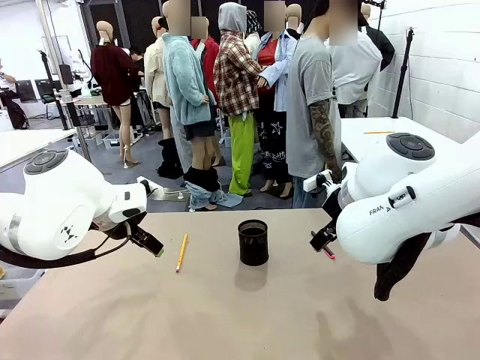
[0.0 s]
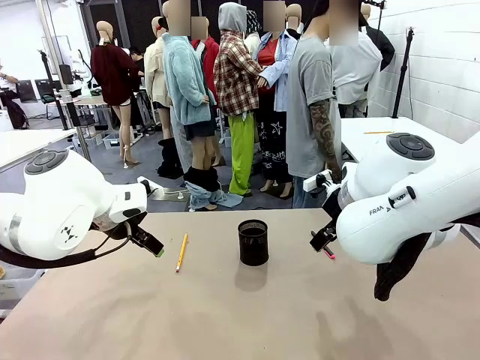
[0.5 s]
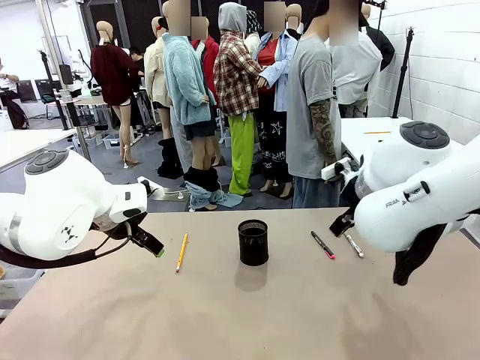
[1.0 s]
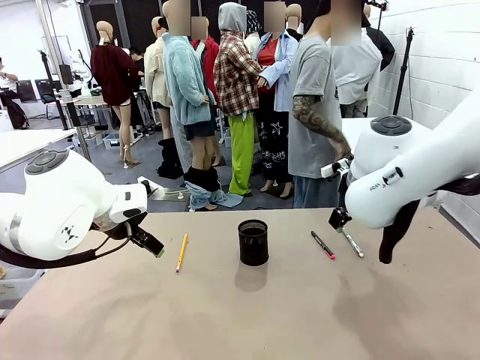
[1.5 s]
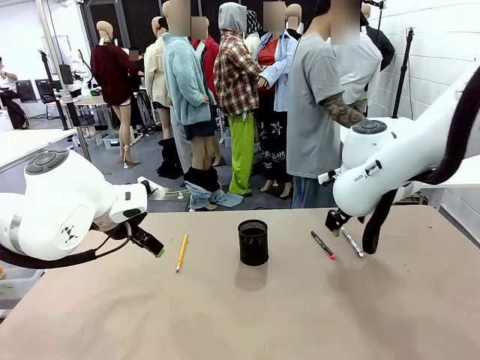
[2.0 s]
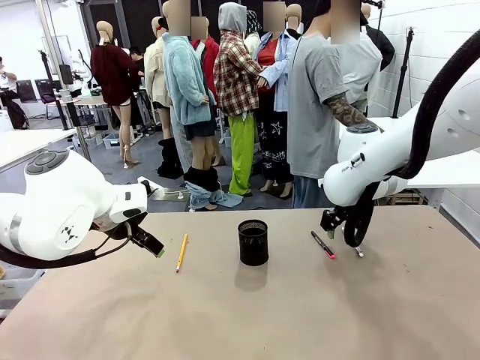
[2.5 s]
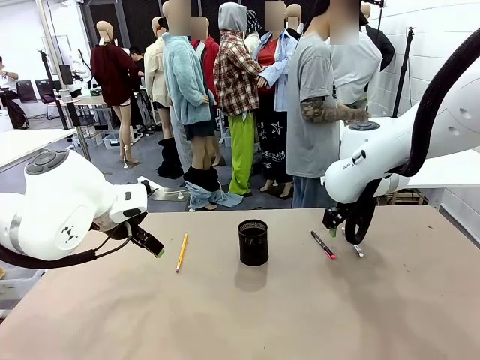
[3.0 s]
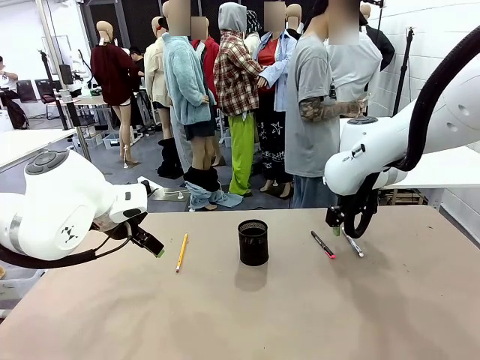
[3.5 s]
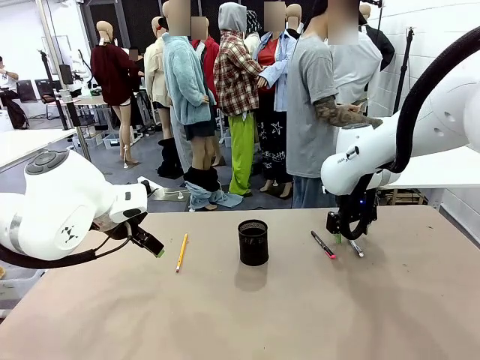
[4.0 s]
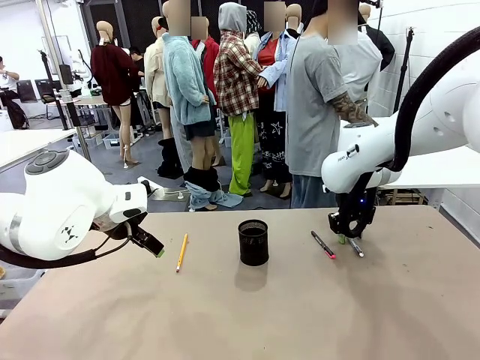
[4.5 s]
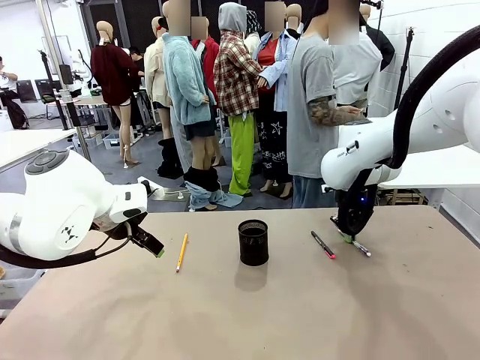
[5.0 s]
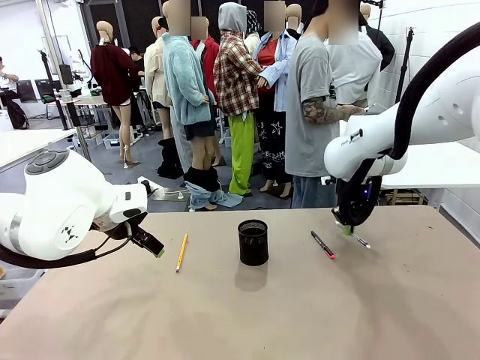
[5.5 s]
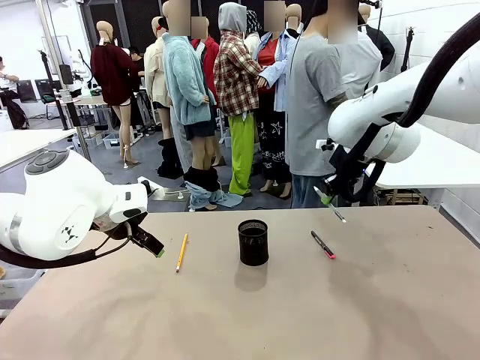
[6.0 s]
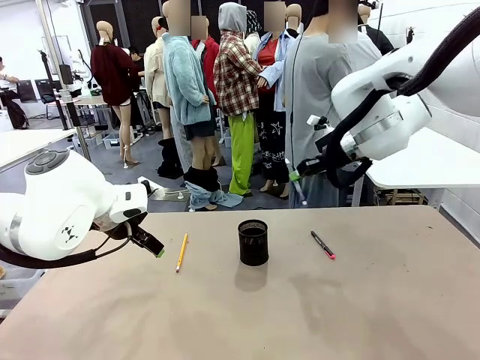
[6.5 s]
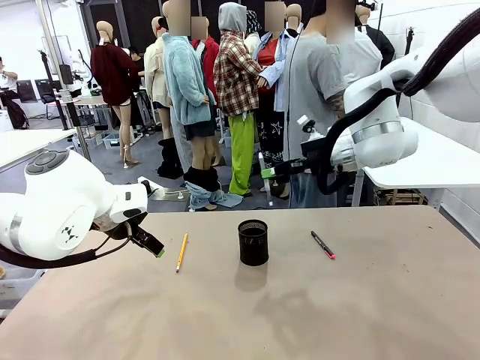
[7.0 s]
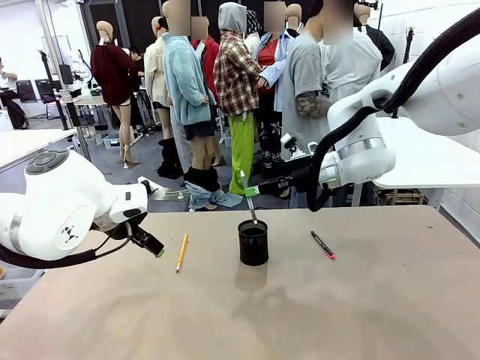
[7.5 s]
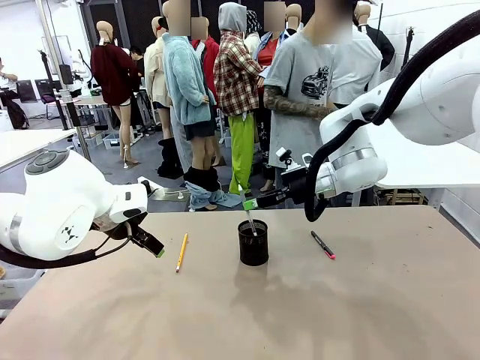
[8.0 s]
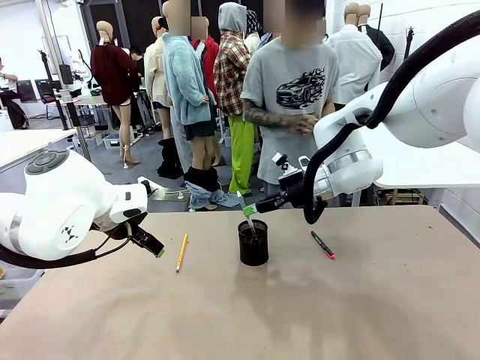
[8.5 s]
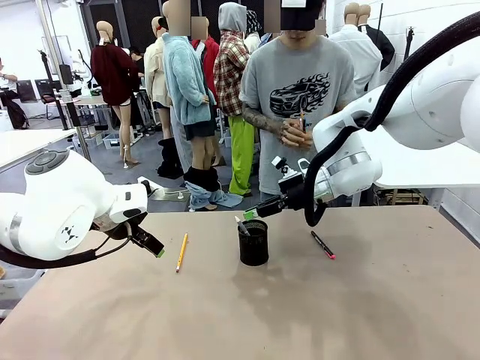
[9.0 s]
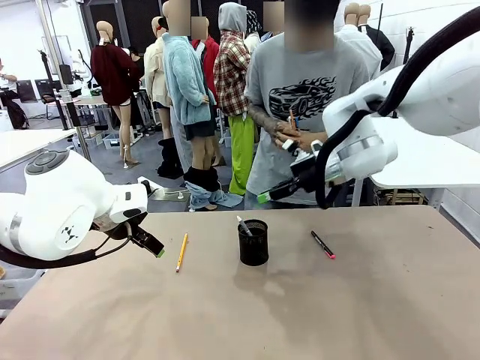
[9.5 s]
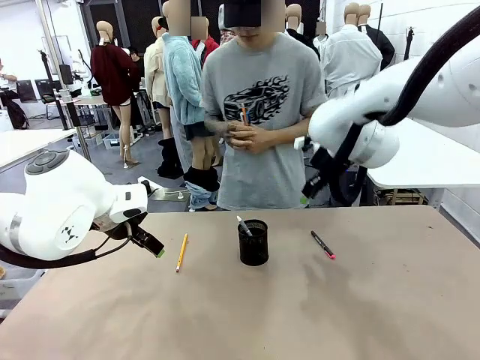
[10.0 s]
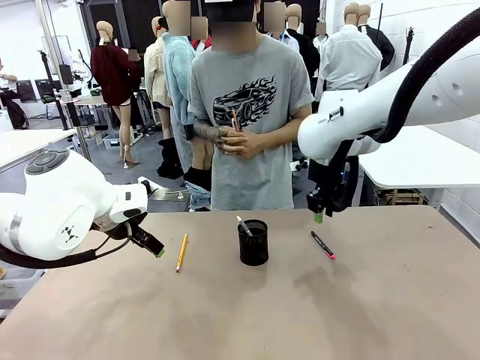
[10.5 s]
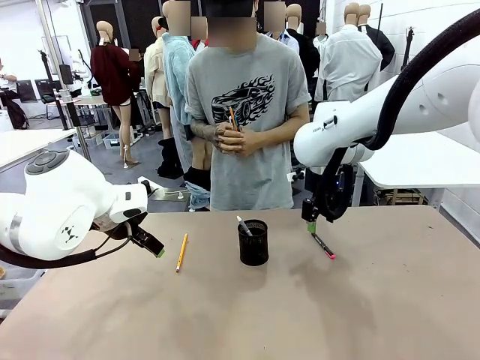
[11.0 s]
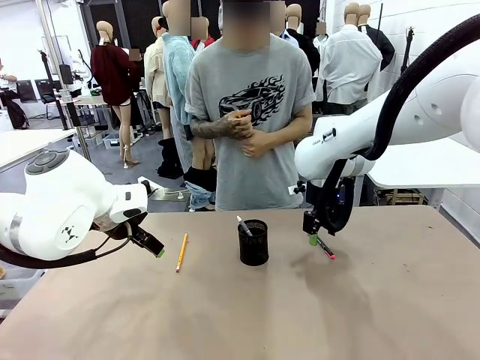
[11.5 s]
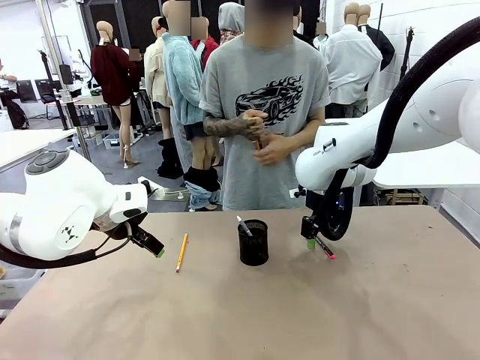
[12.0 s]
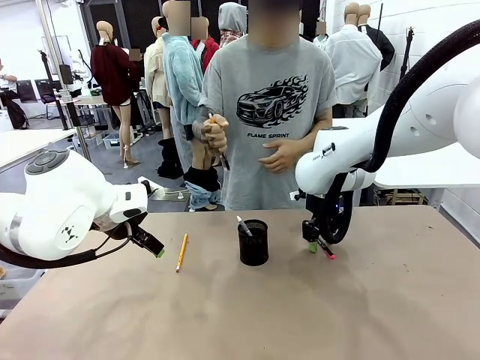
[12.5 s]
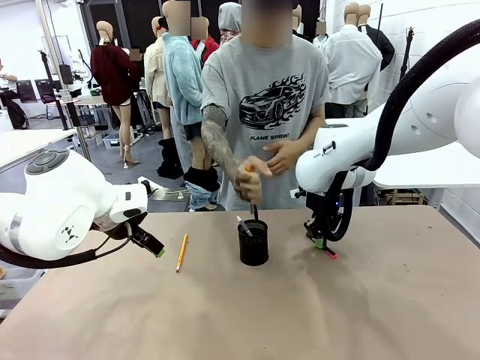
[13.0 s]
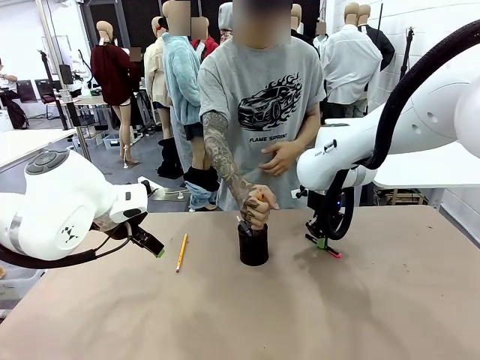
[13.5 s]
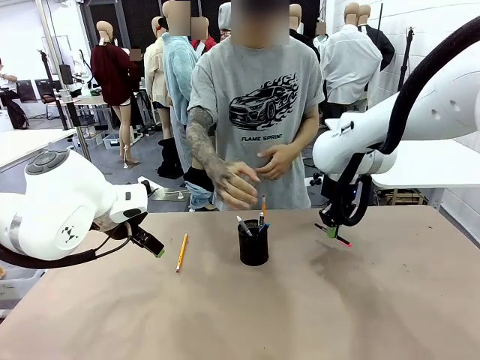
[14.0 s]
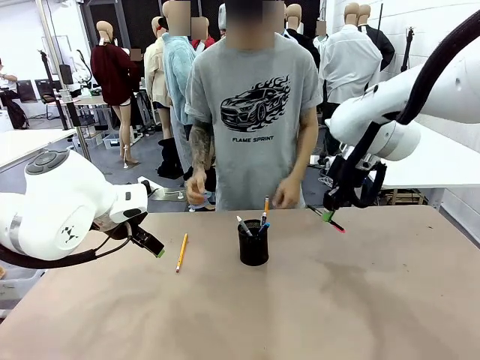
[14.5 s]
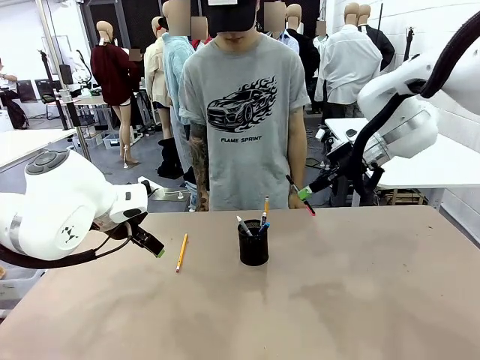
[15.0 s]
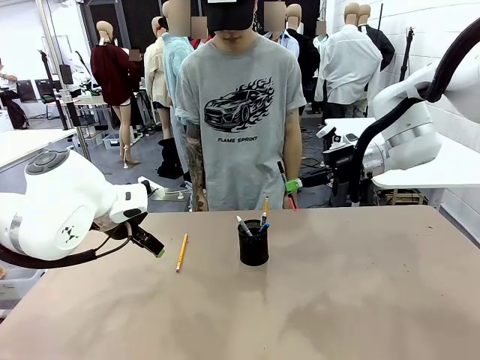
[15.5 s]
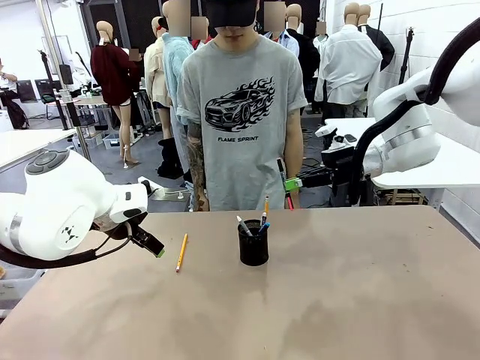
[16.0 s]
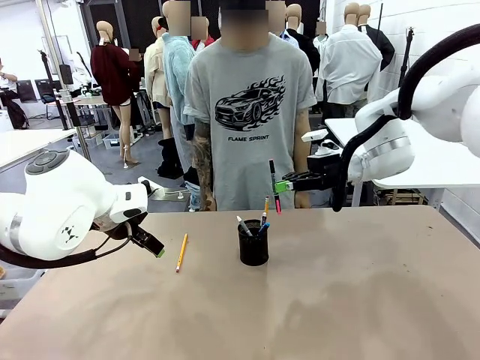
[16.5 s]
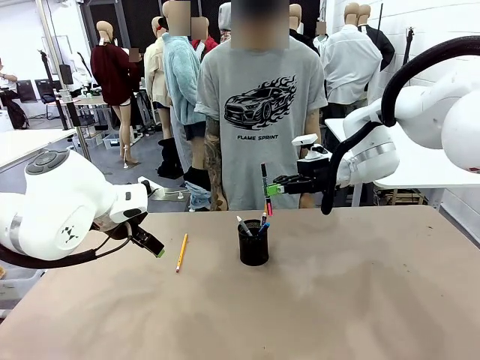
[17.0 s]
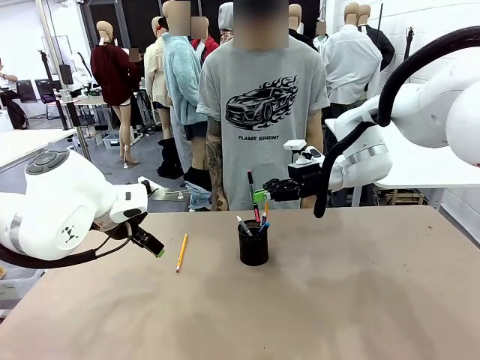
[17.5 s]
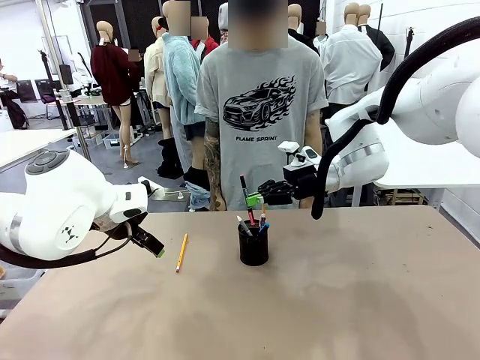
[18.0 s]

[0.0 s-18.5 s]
Task: Place the pens into the pen holder.
Robot: Pick up a writing instrument from the table and place it into the Pen holder.
Person: Pick up all writing instruments from the Human table.

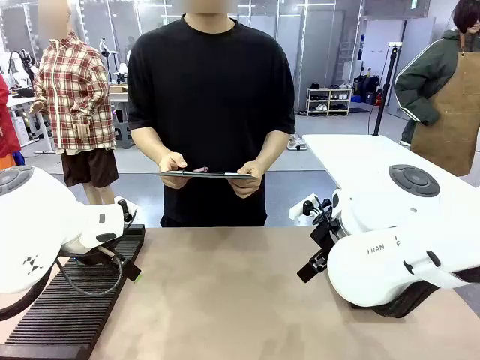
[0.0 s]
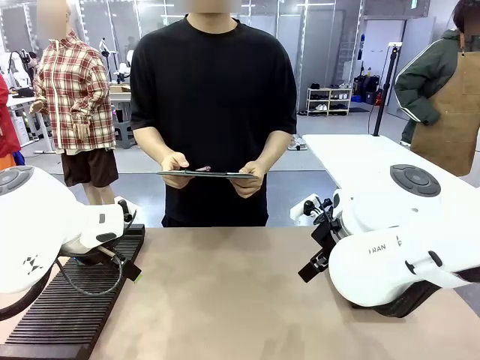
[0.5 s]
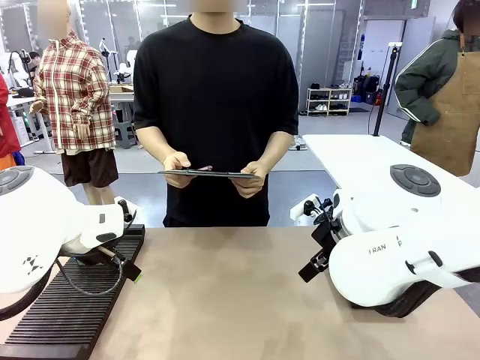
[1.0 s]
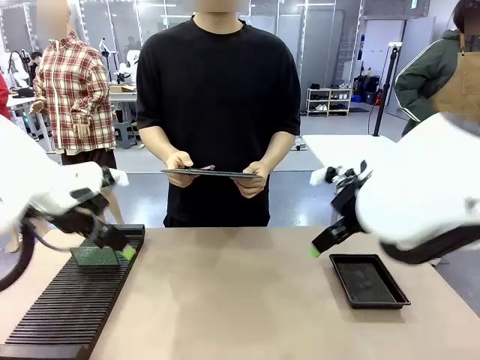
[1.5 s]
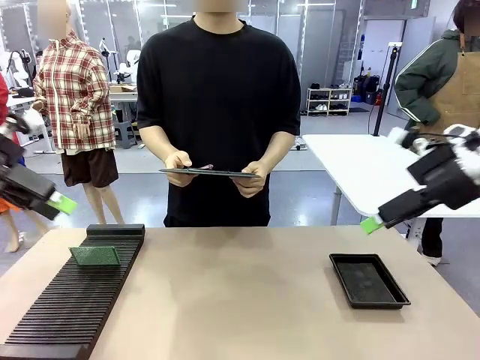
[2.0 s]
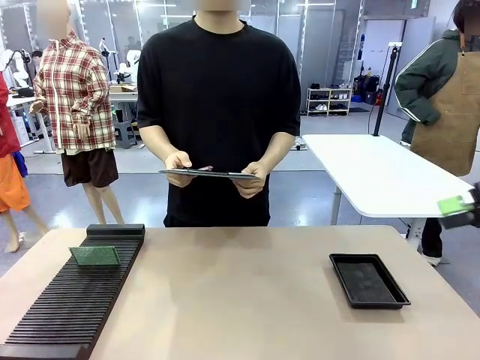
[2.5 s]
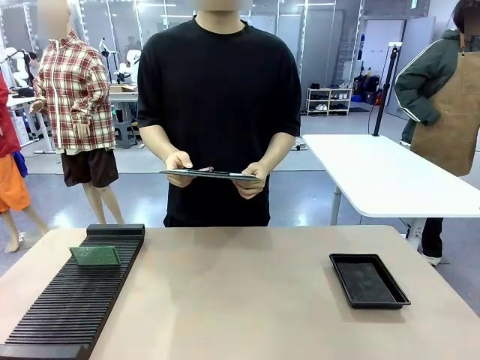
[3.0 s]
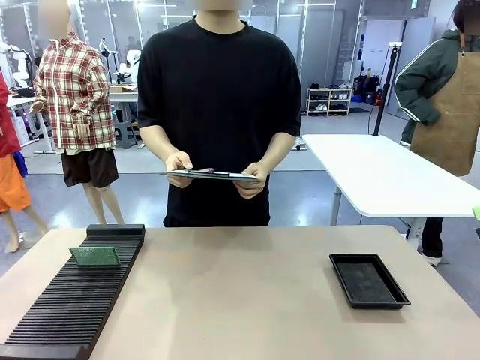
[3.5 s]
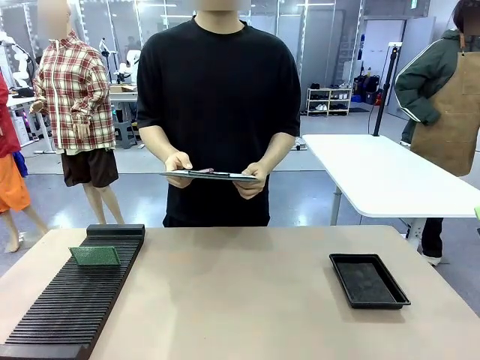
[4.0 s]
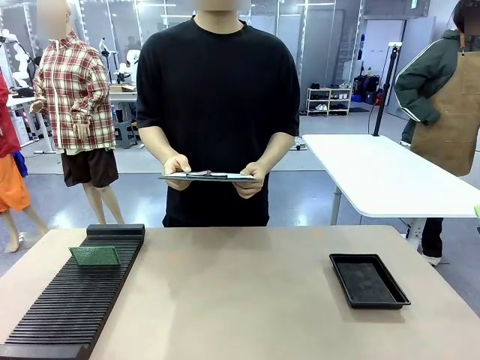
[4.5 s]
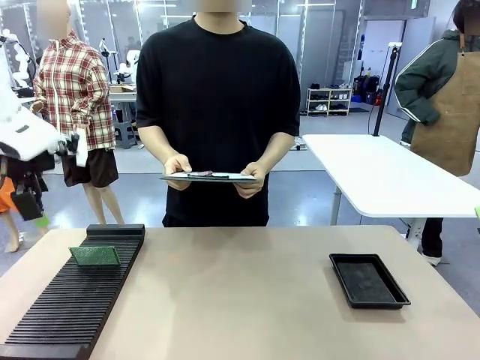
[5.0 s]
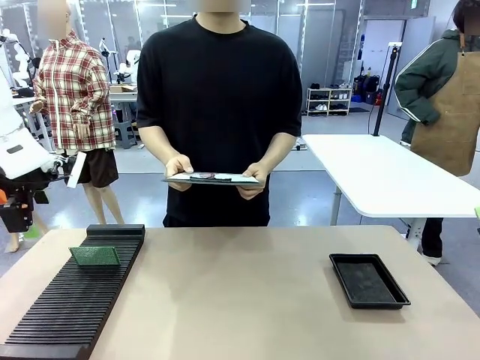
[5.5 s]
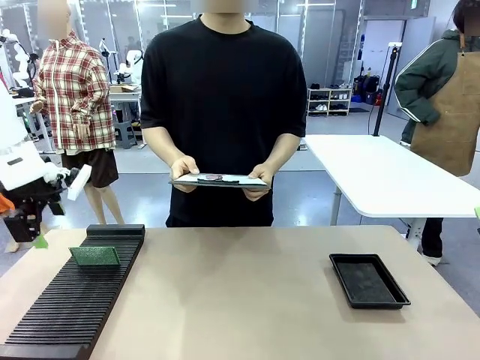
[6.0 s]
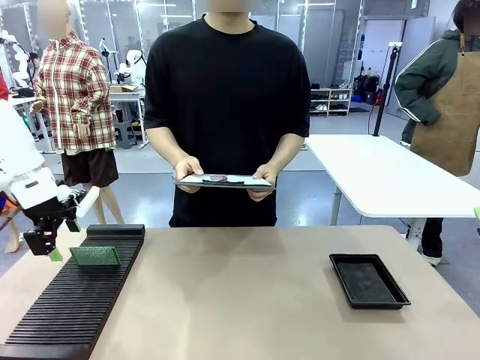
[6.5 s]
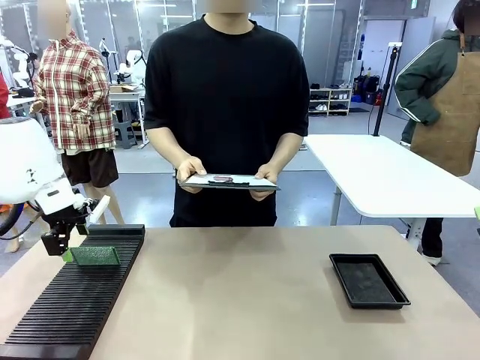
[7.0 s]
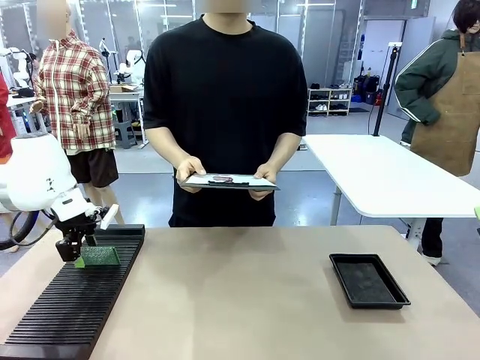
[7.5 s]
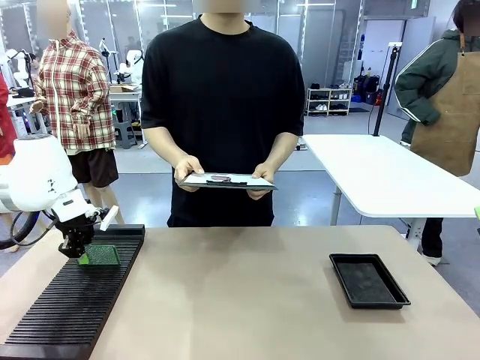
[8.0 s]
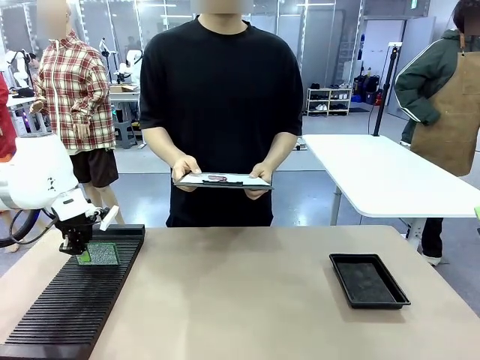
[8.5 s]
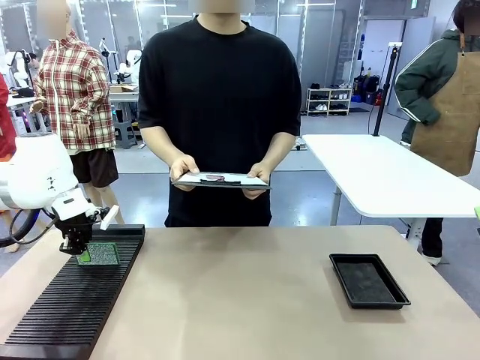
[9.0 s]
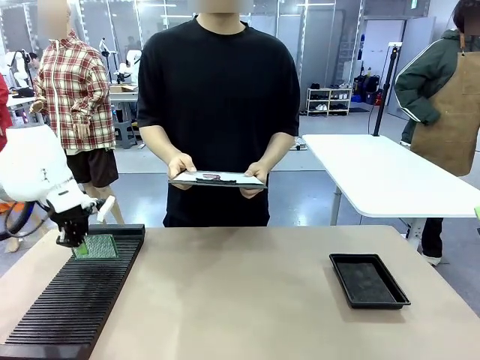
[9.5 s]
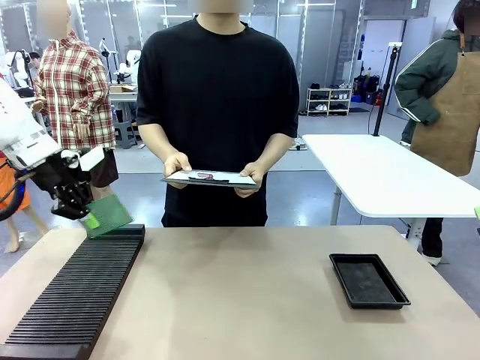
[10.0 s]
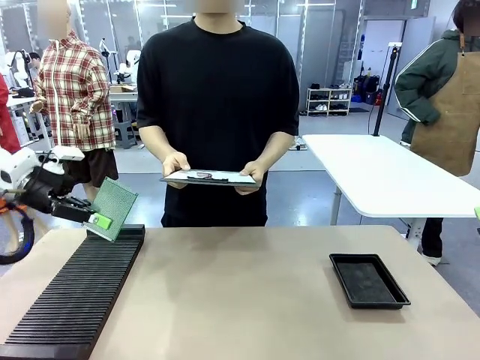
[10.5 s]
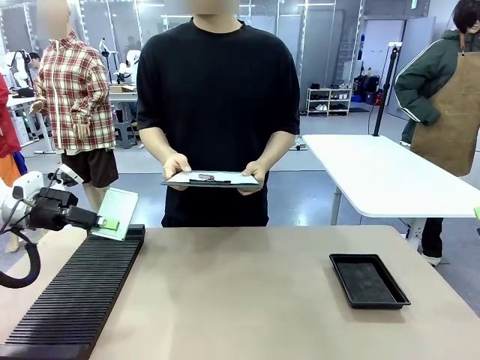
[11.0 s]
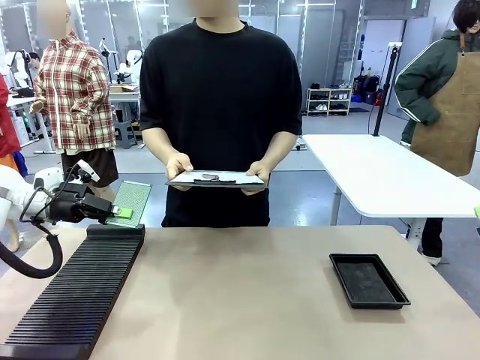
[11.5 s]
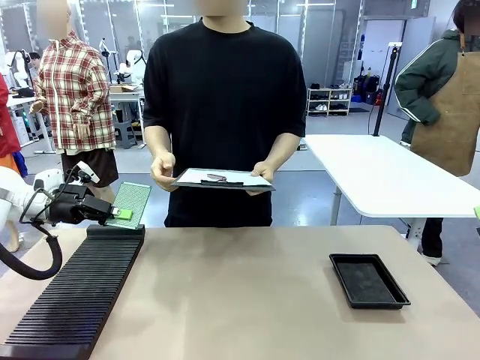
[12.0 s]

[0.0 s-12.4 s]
Task: Inspect the PCB.
Robot: Pick up the Blank PCB and present it to the human.
Person: Pick up the PCB presented by the robot.
